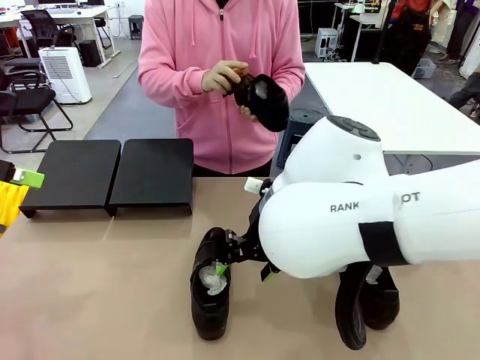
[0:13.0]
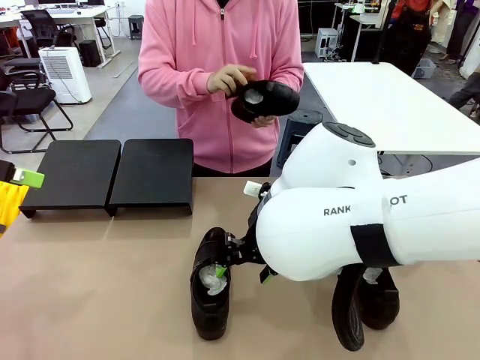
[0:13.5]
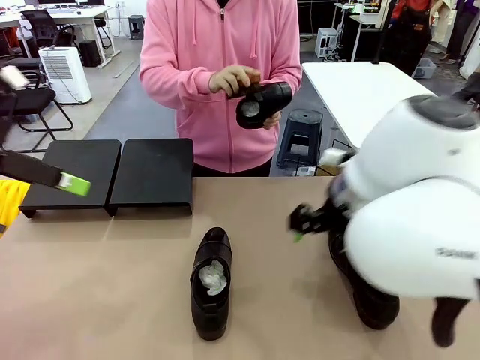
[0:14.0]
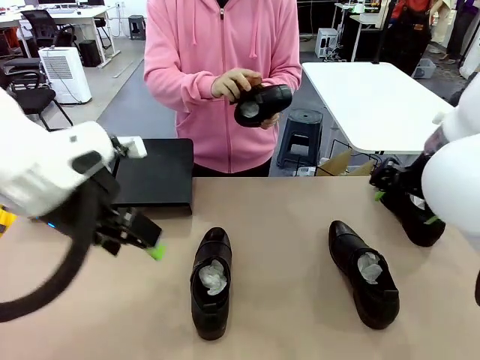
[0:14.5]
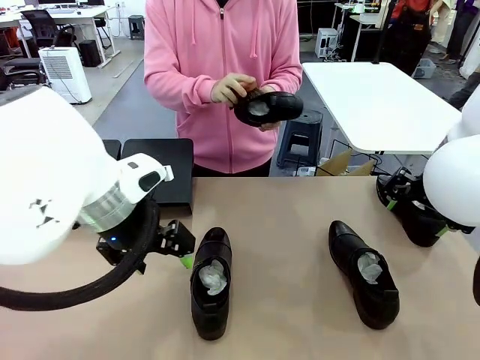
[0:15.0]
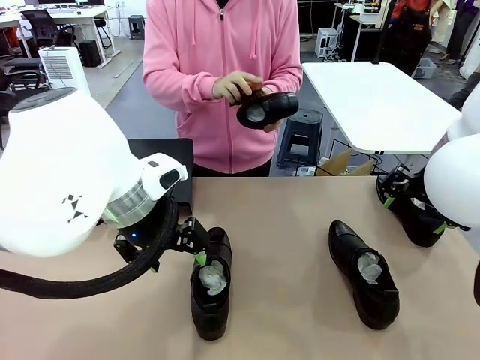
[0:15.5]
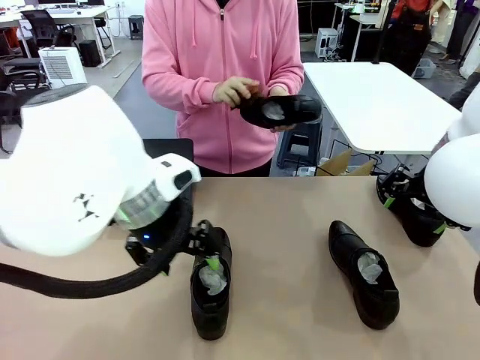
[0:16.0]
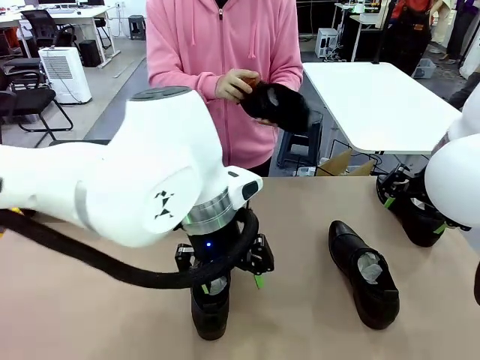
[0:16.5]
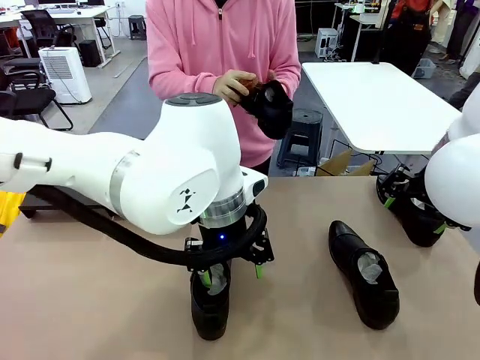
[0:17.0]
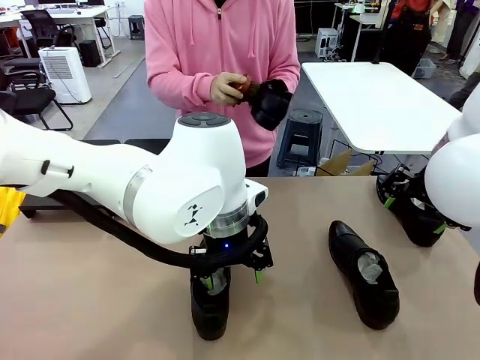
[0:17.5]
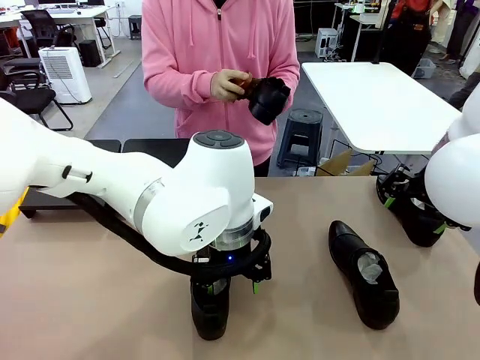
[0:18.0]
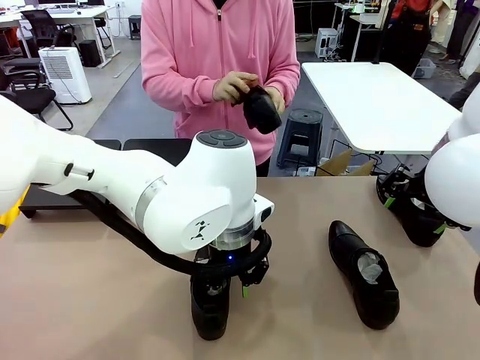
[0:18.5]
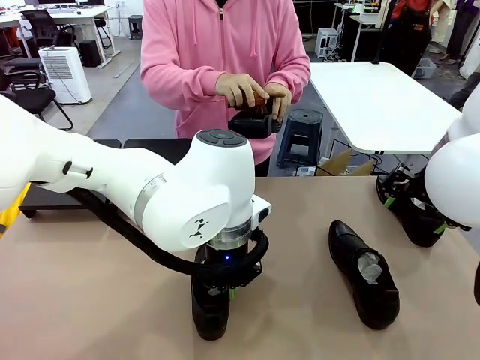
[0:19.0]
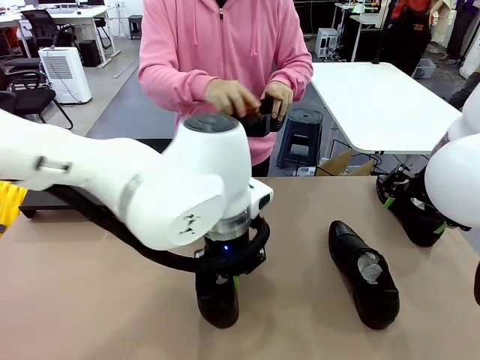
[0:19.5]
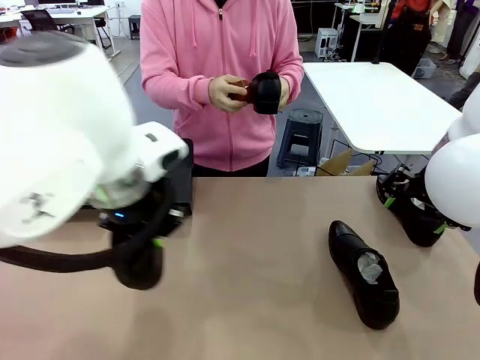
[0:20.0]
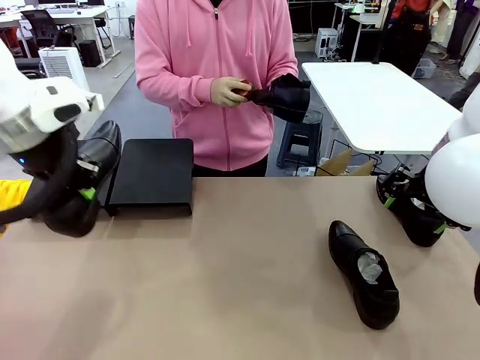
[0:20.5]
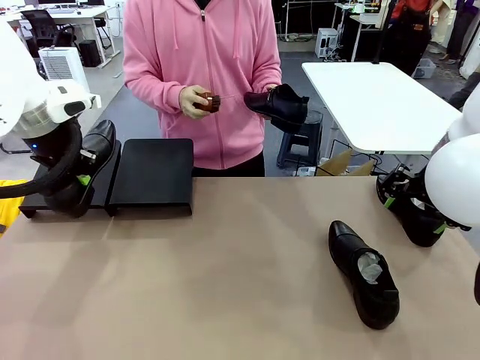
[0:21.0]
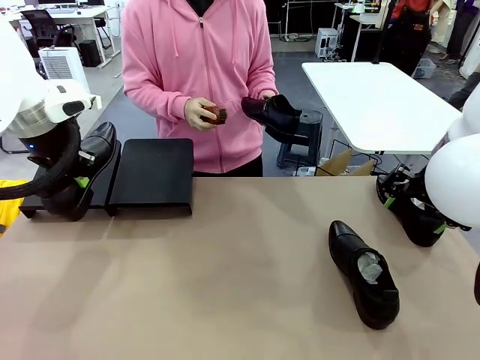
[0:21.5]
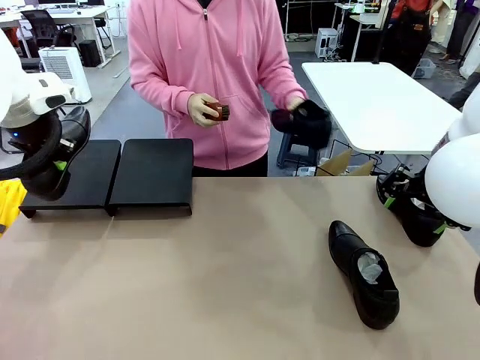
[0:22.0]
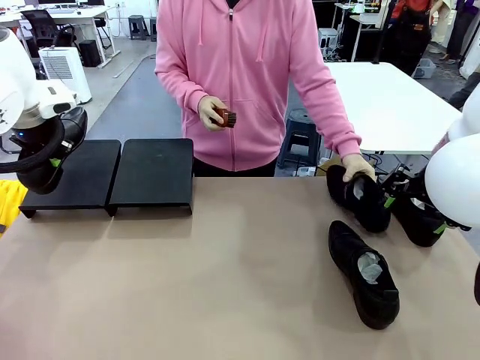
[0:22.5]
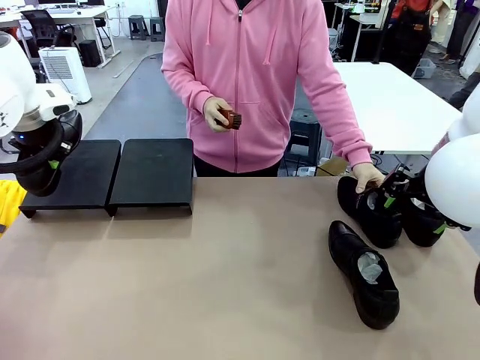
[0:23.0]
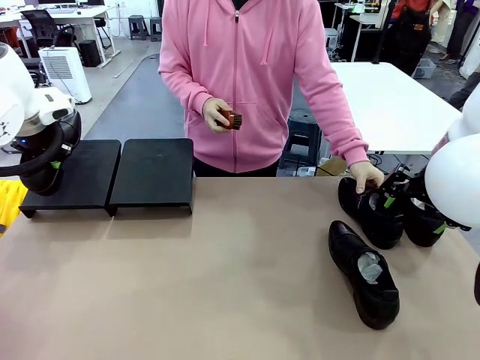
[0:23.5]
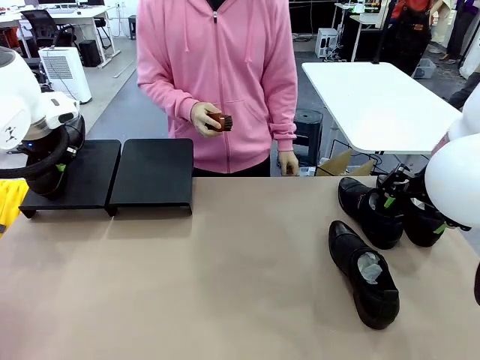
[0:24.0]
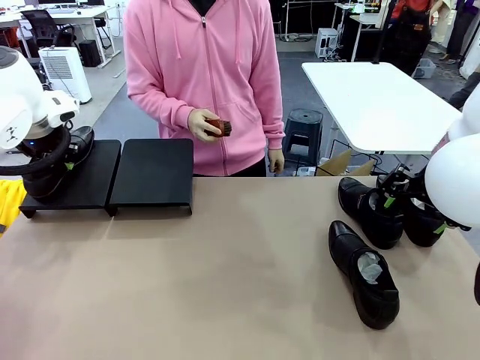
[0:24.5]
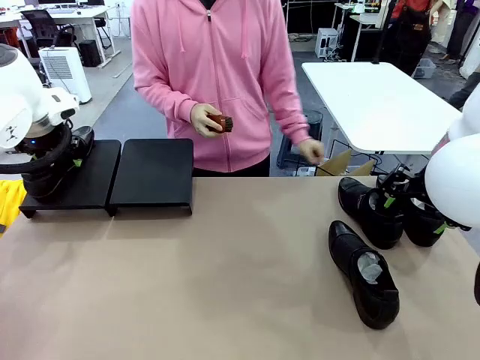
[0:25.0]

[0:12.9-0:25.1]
Task: Organize the shoes by placing them on the stand.
Robot: Place the Shoe from the middle of the table onto the Shoes Stand.
Person: Clean the Shoe with the Shoe Brush. Place the Shoe on left side of the Robot's table.

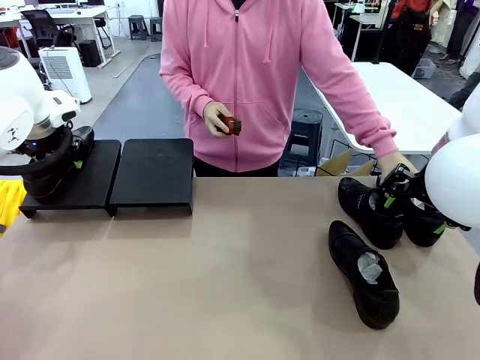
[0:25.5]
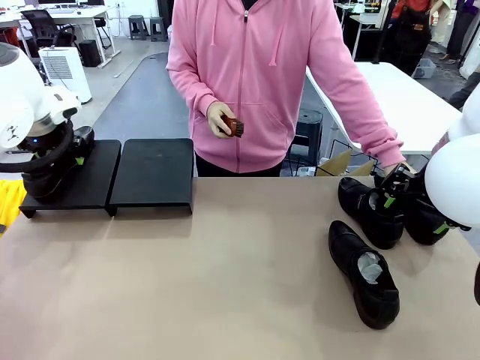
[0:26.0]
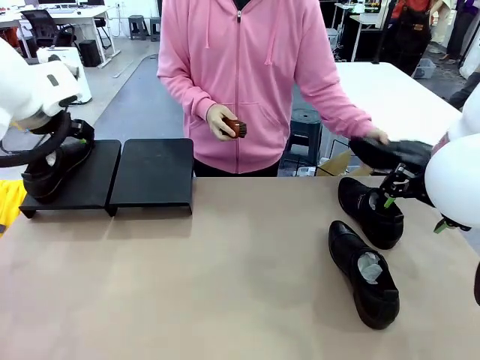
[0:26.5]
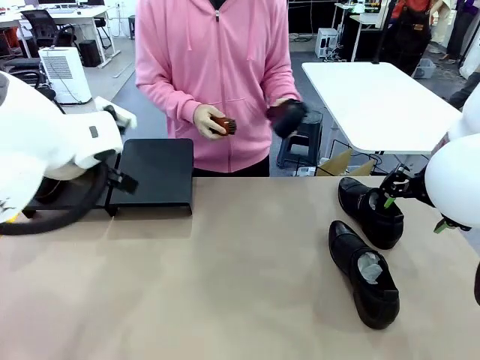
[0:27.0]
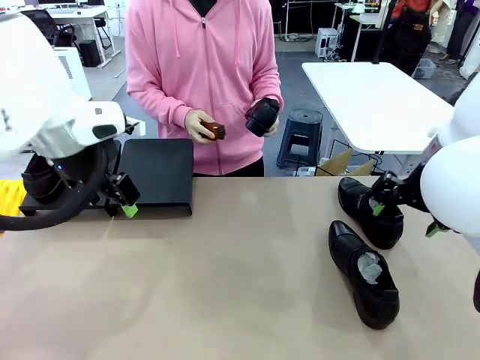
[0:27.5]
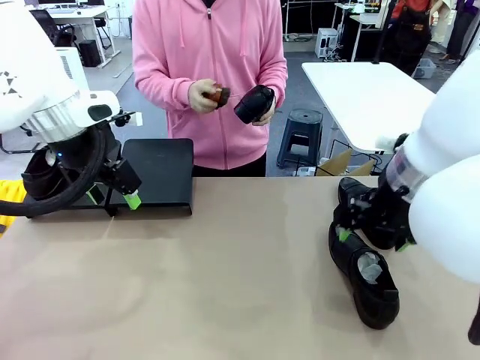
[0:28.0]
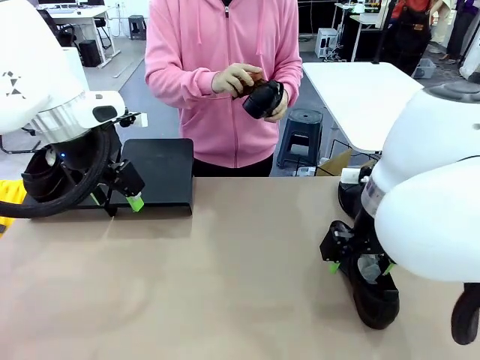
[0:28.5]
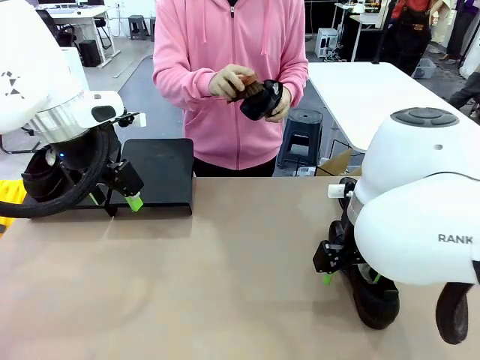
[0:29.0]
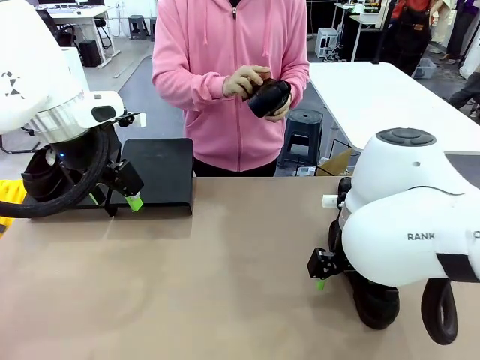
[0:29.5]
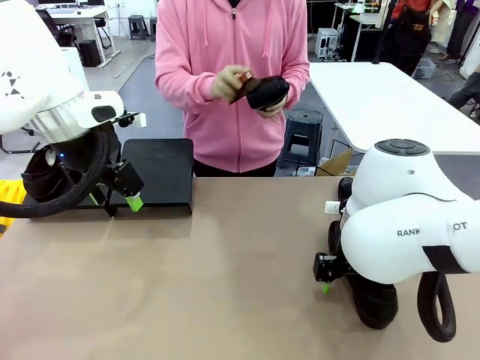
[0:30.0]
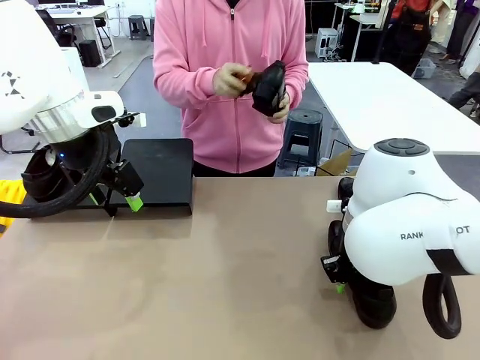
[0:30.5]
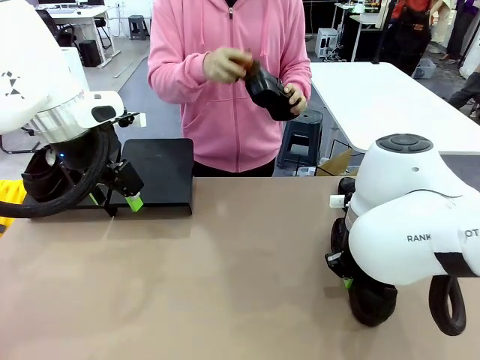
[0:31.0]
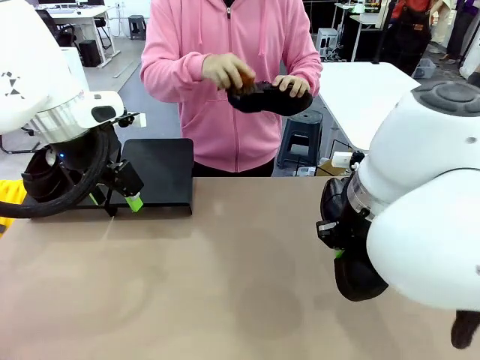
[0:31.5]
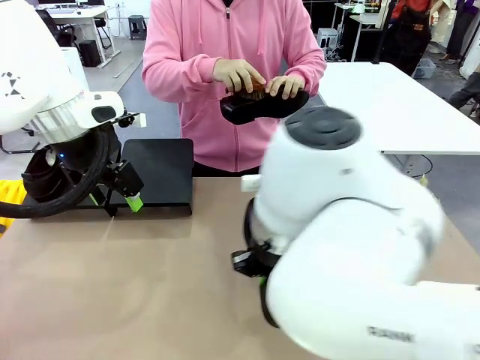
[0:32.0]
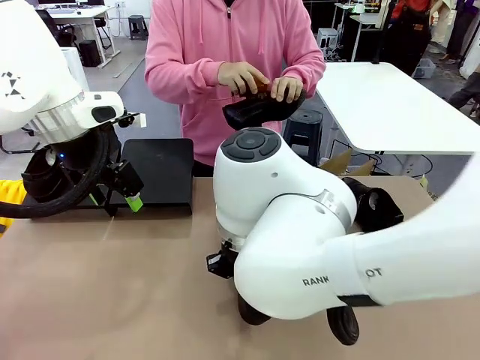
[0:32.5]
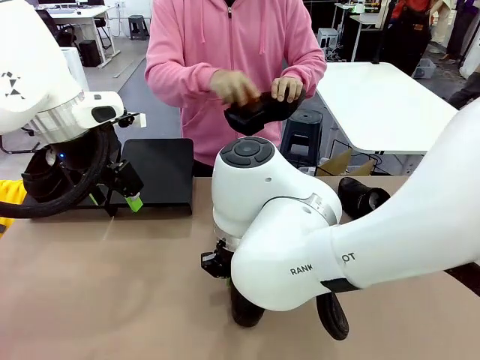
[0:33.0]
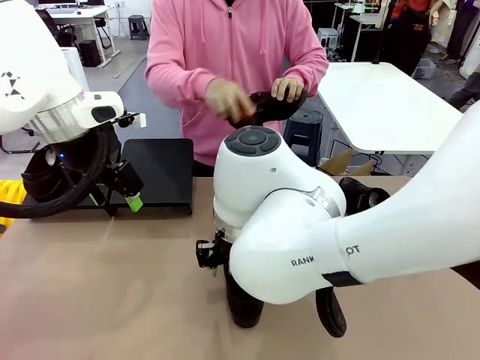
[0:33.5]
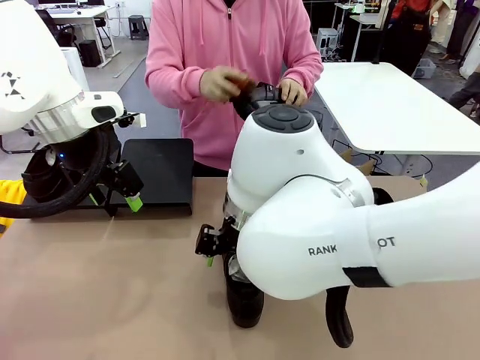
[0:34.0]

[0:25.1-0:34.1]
Robot: Pick up one Shoe and place it in the middle of the table.
Person: Pick one Shoe on Robot's table.

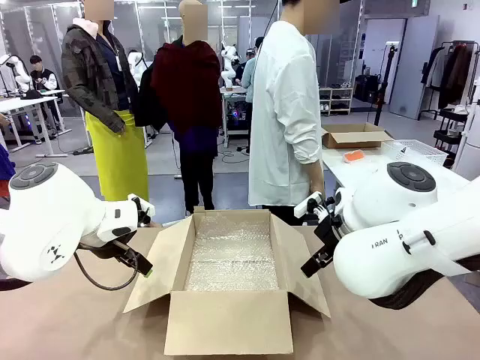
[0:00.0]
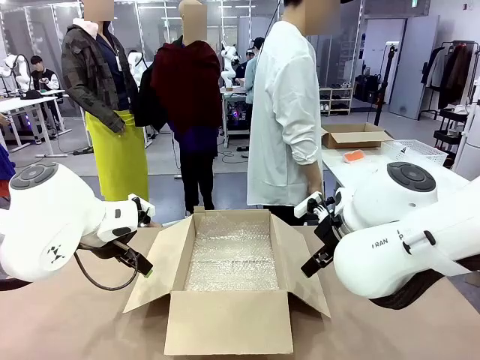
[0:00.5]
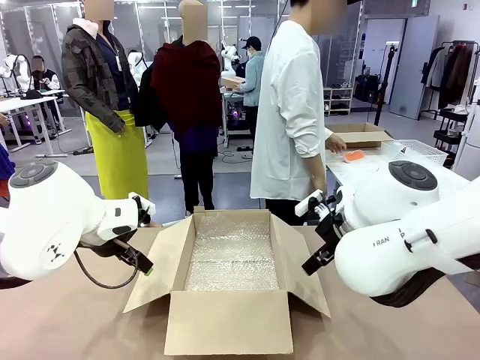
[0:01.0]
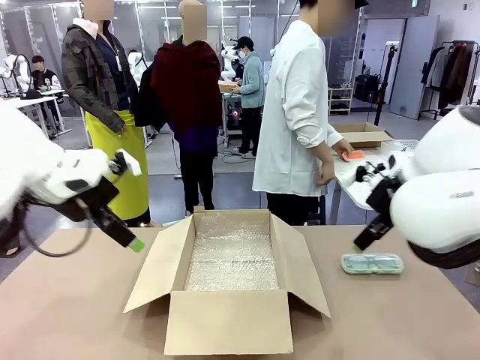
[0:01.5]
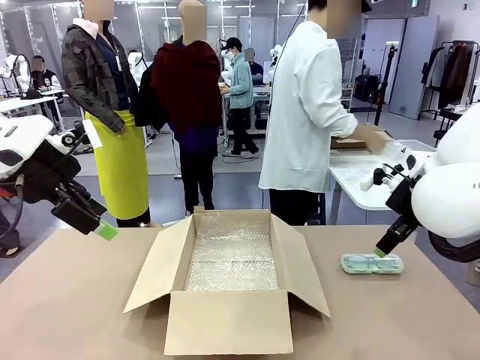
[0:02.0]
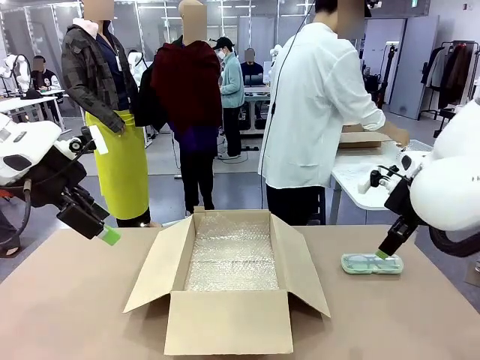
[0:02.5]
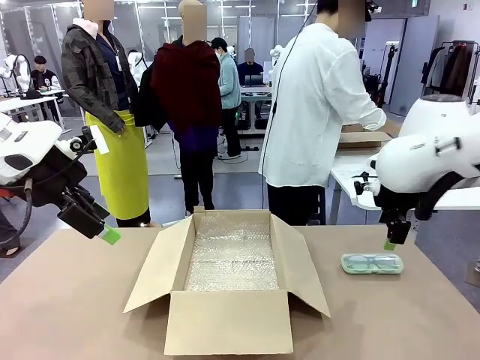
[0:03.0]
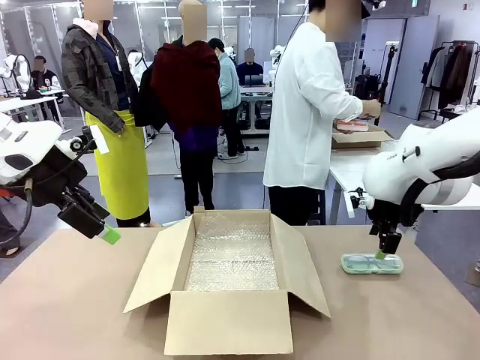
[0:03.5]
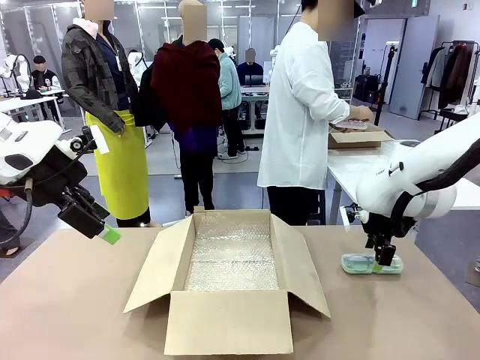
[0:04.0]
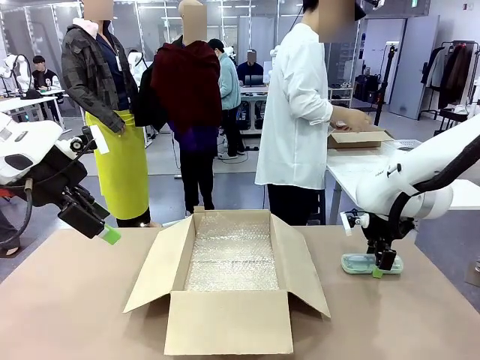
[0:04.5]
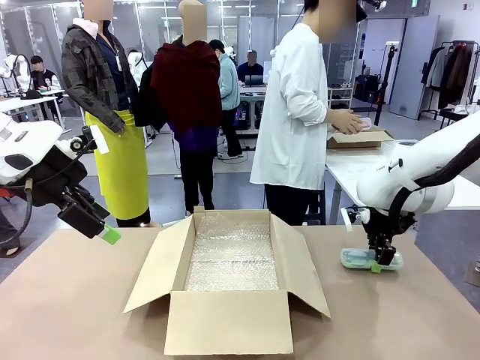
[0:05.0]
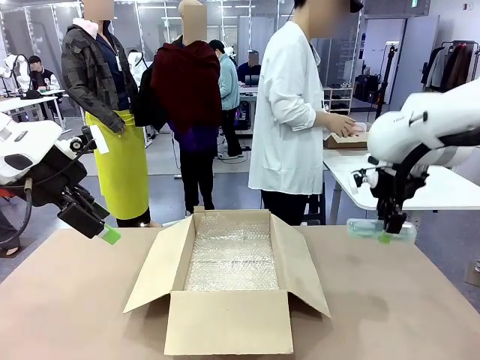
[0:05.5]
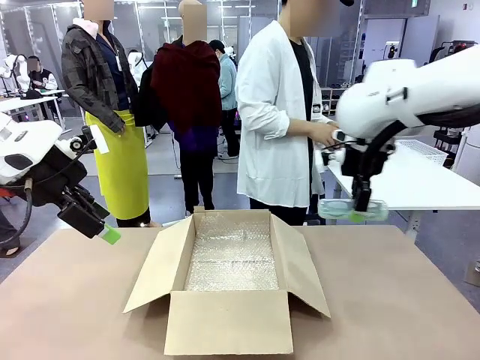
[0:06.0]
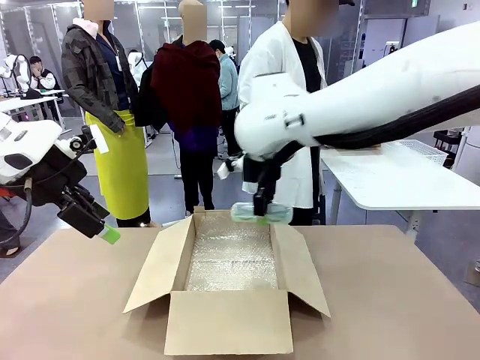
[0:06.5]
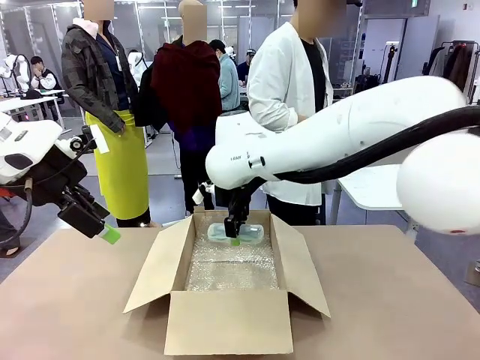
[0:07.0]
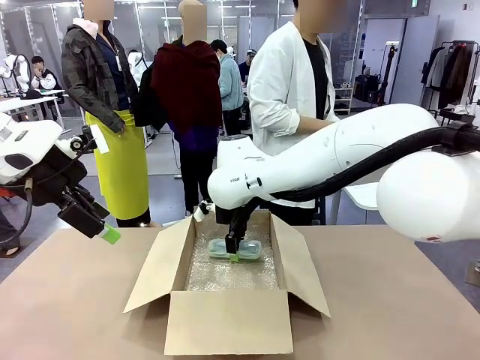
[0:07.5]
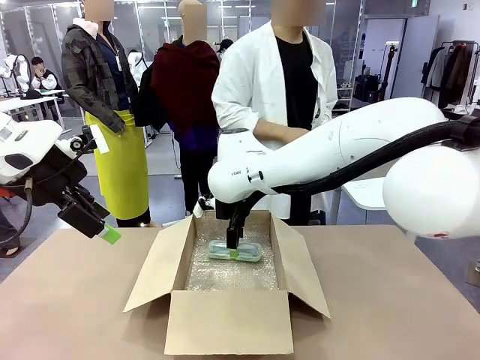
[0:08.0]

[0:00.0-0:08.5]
Task: Pack the glasses set securely to prepare it for shipping.
Robot: Place the Glasses case inside the Package Box.
Person: Place the Glasses inside the Glasses case.
